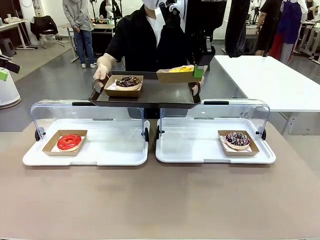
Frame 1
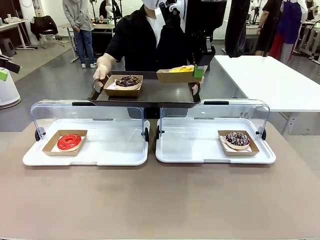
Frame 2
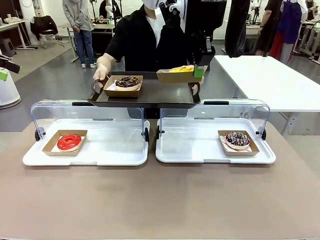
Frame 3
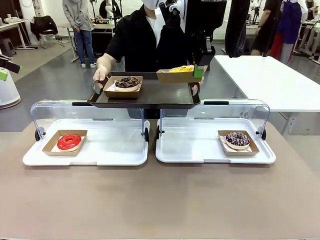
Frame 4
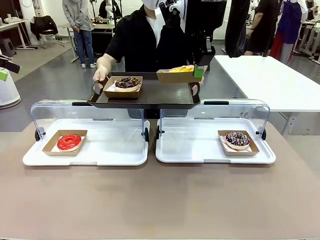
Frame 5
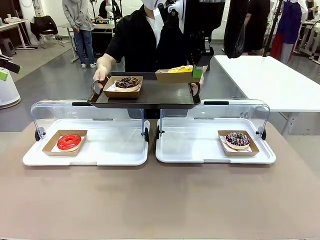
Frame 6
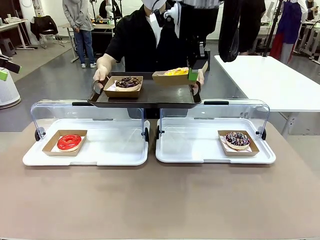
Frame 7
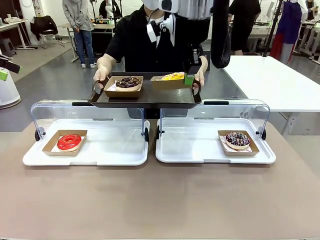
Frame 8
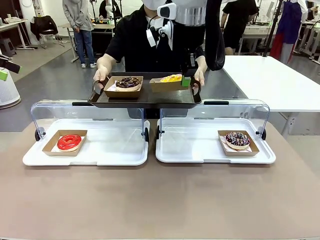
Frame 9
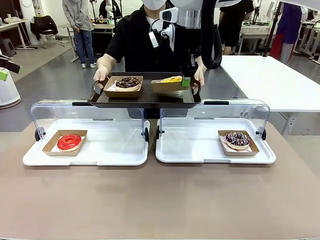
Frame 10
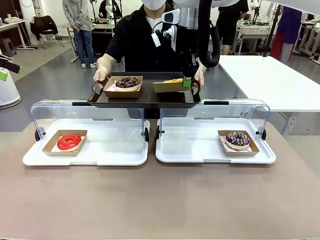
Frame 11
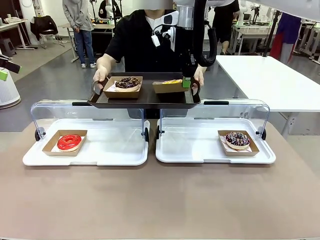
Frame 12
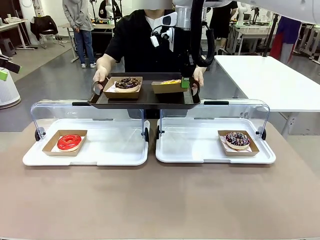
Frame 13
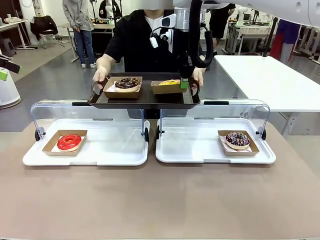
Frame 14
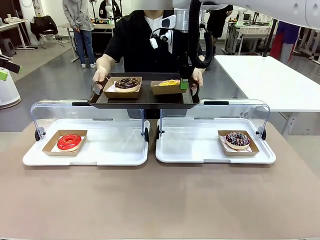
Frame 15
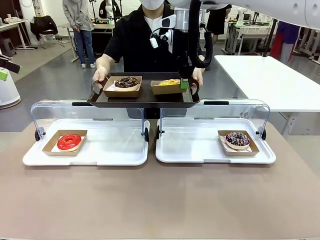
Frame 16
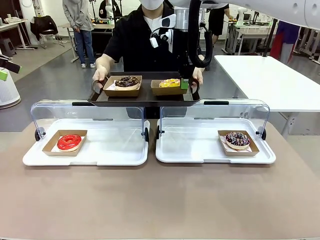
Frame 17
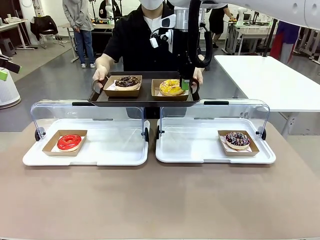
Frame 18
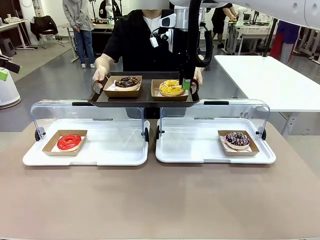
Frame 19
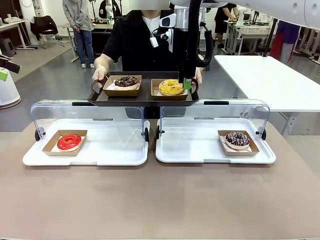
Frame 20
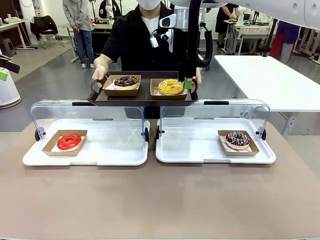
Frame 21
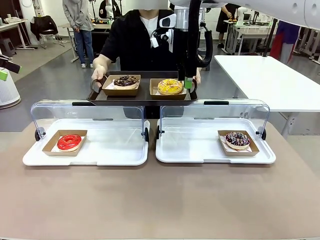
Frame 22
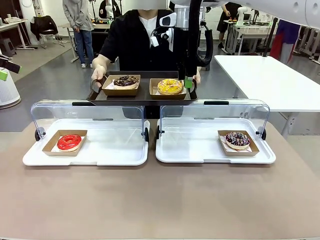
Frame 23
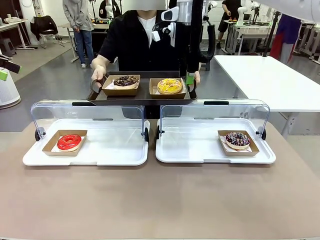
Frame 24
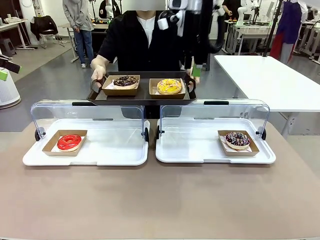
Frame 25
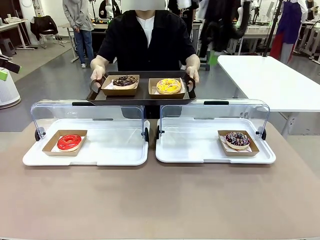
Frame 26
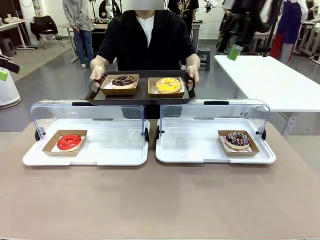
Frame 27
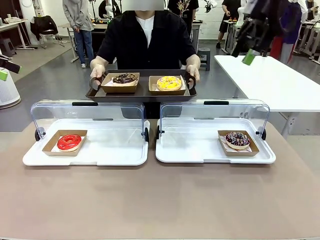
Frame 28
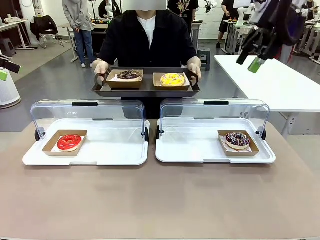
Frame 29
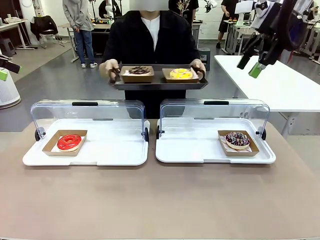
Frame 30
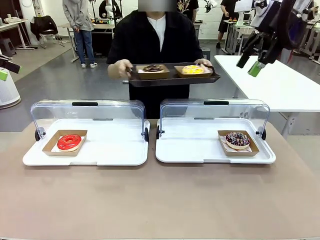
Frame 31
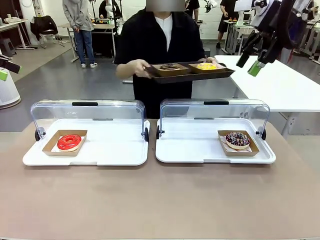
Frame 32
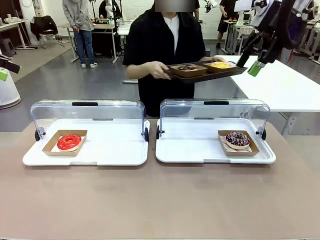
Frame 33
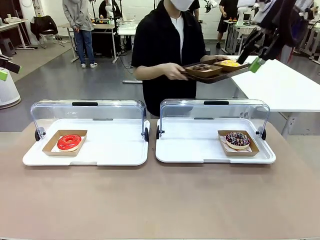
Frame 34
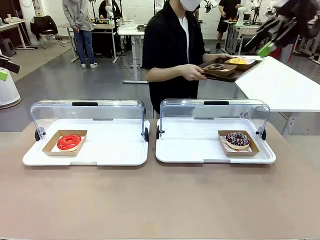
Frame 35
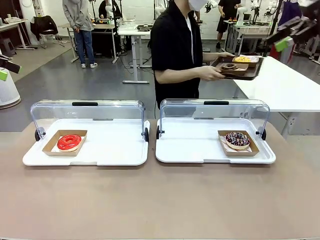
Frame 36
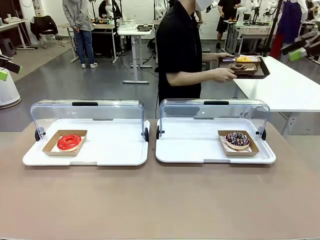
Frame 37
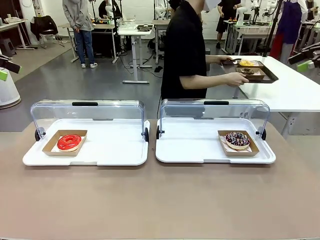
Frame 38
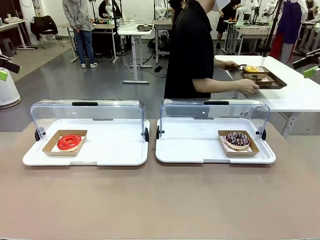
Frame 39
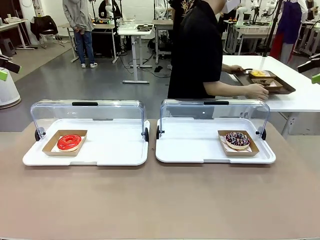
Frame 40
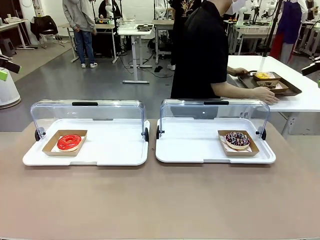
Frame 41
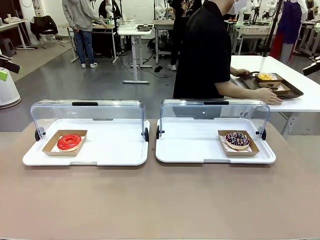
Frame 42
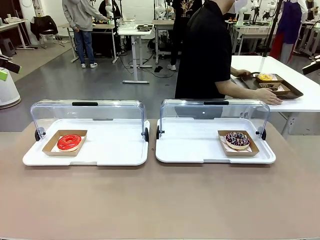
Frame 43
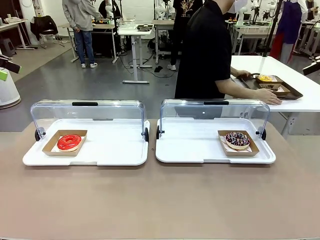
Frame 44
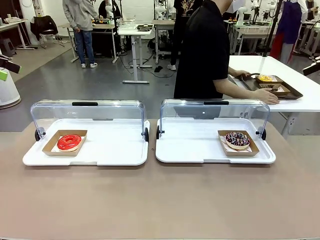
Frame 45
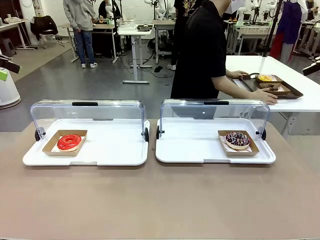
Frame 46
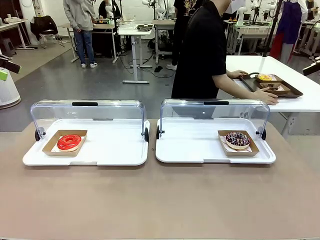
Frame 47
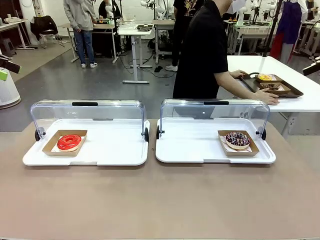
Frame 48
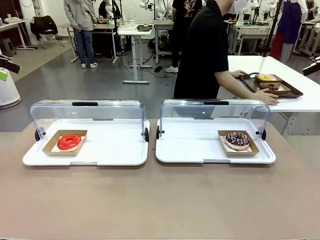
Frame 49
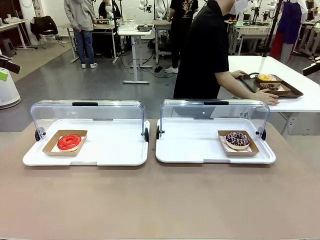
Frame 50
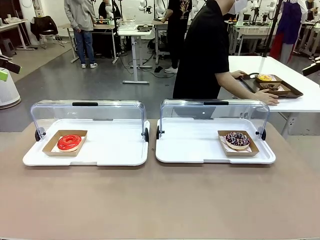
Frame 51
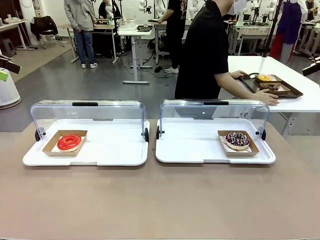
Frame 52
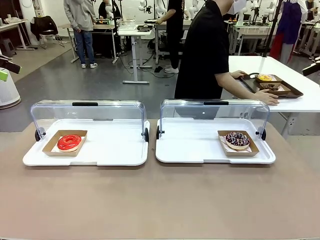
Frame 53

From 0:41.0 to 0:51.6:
Task: Provide the desired donut to the person.
Robot: Place the picked Paper togo box onto the Handle tray extended by the person.
Person: Place the tray in the middle of the human table.

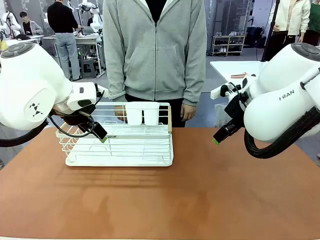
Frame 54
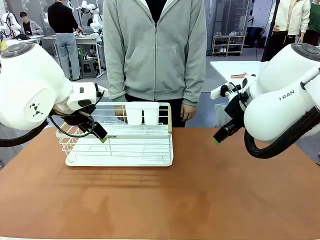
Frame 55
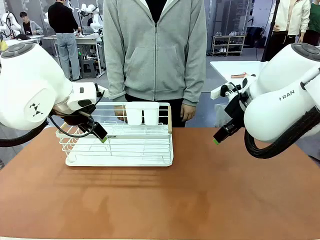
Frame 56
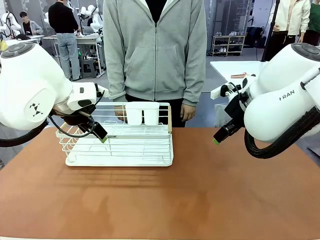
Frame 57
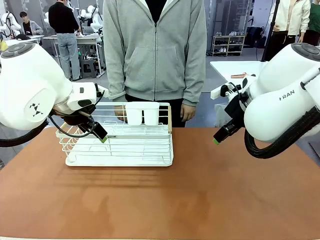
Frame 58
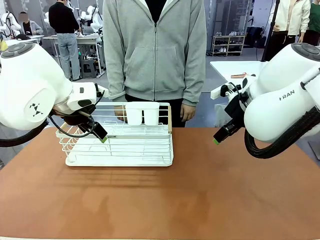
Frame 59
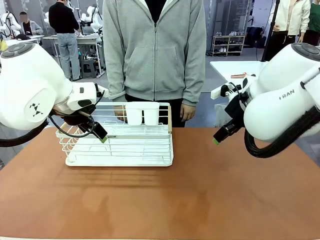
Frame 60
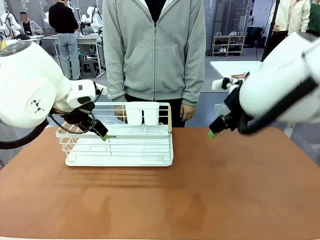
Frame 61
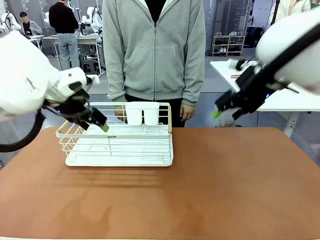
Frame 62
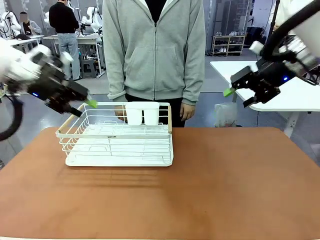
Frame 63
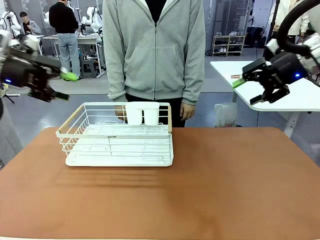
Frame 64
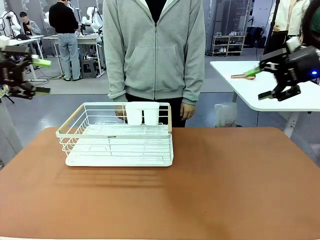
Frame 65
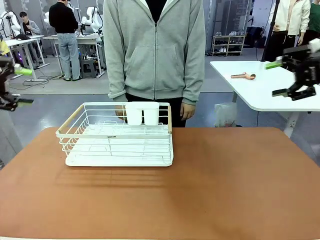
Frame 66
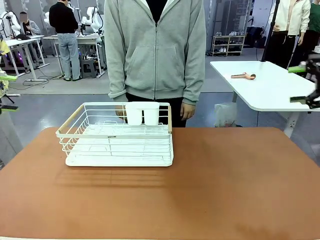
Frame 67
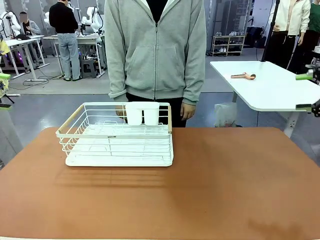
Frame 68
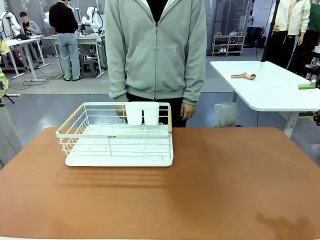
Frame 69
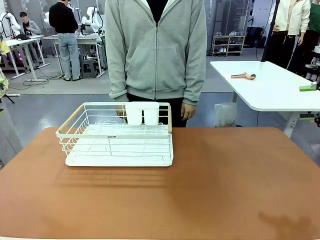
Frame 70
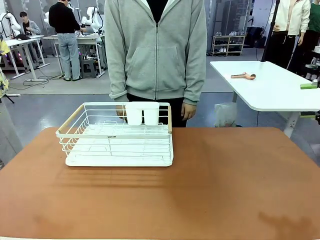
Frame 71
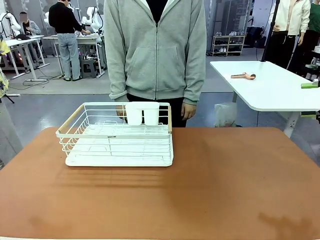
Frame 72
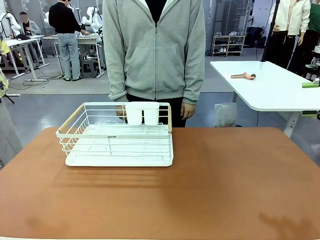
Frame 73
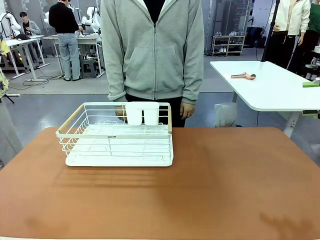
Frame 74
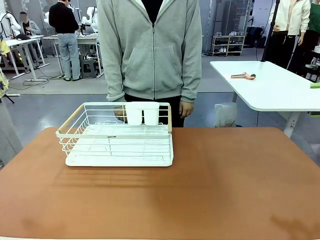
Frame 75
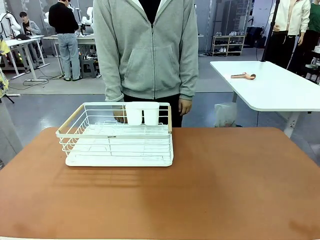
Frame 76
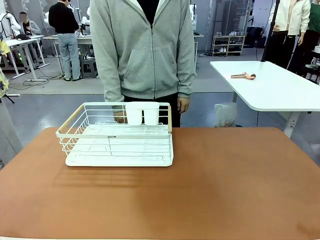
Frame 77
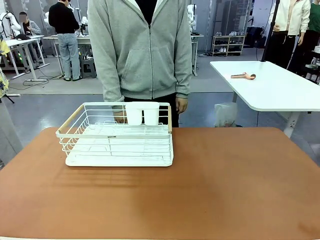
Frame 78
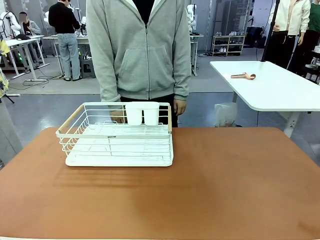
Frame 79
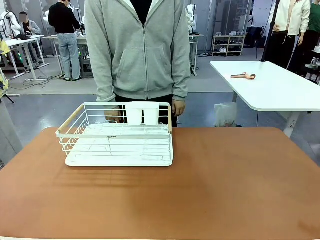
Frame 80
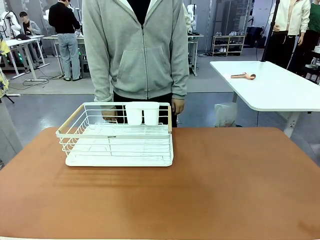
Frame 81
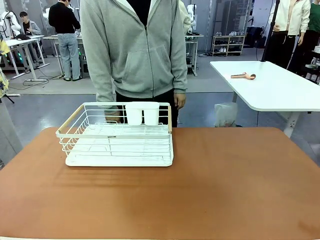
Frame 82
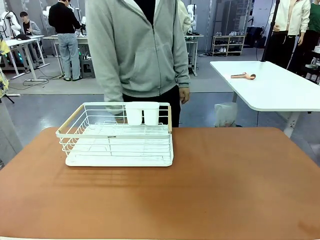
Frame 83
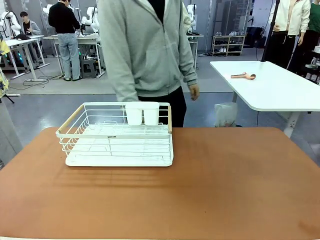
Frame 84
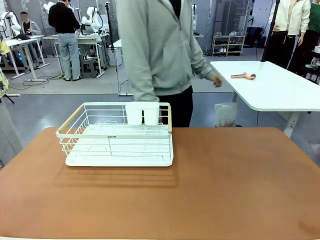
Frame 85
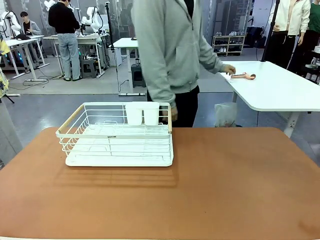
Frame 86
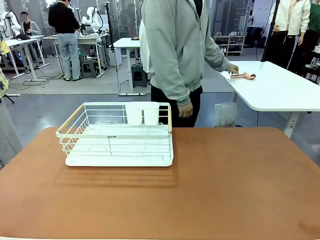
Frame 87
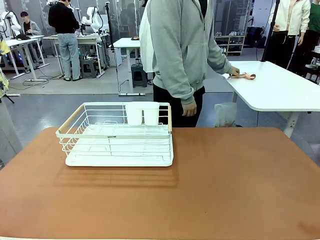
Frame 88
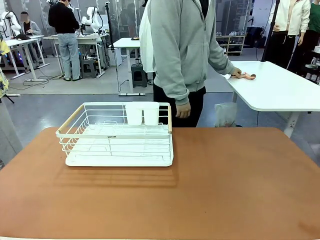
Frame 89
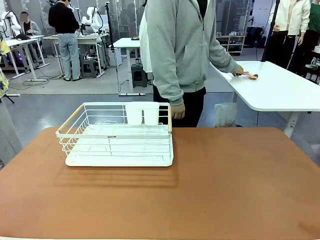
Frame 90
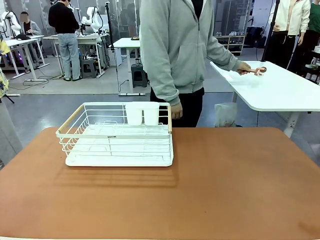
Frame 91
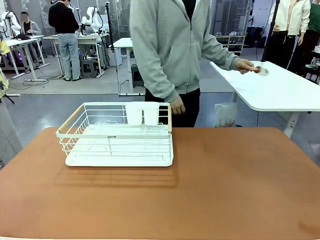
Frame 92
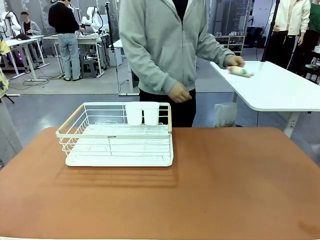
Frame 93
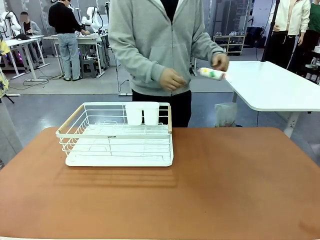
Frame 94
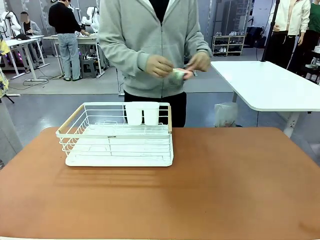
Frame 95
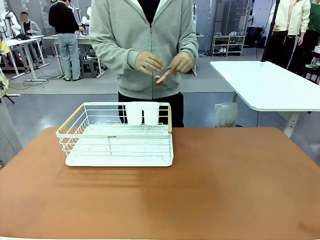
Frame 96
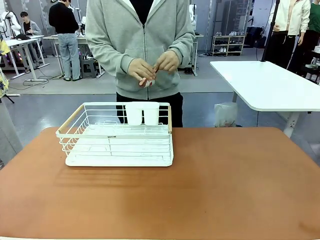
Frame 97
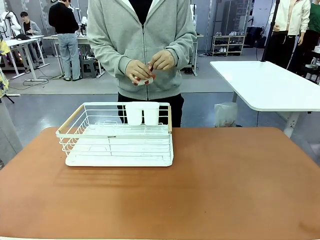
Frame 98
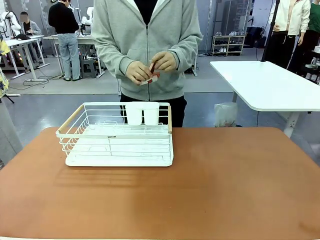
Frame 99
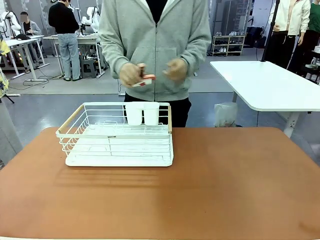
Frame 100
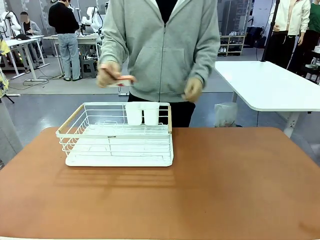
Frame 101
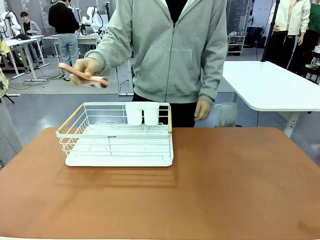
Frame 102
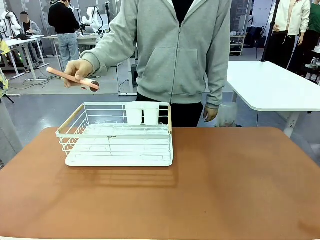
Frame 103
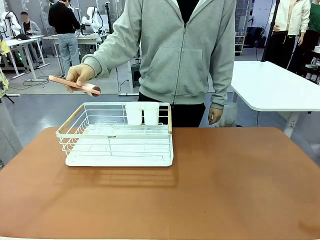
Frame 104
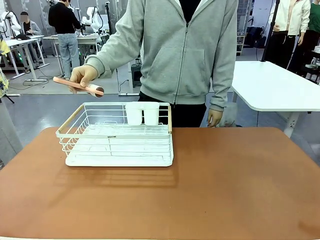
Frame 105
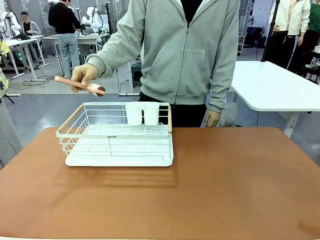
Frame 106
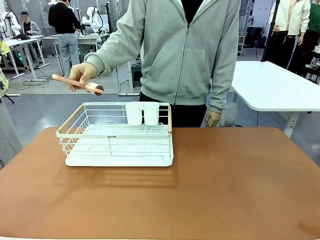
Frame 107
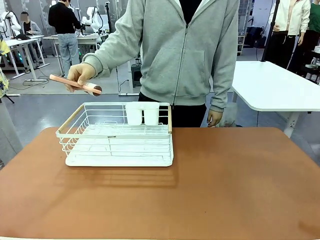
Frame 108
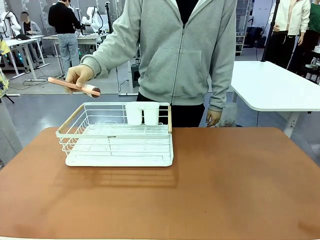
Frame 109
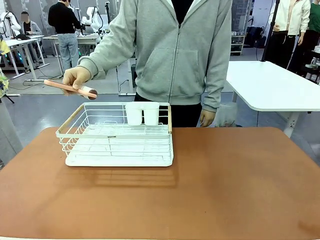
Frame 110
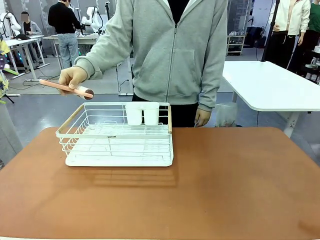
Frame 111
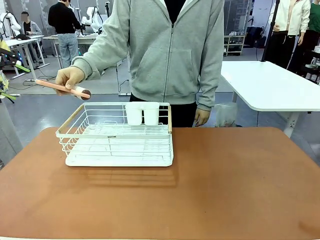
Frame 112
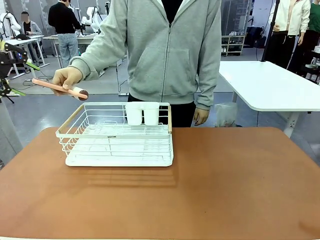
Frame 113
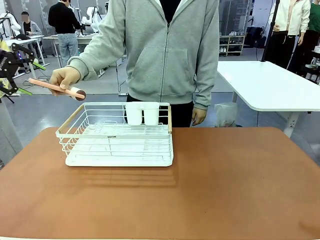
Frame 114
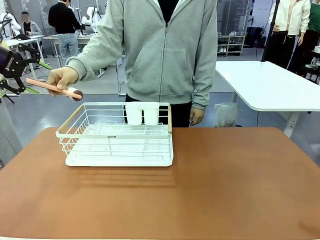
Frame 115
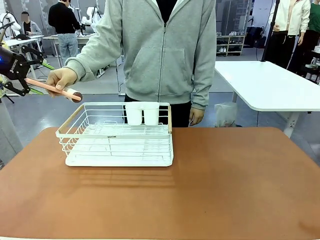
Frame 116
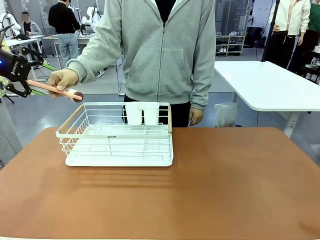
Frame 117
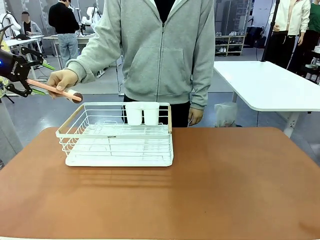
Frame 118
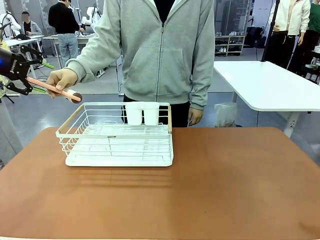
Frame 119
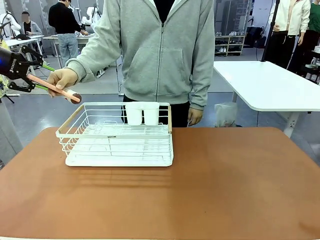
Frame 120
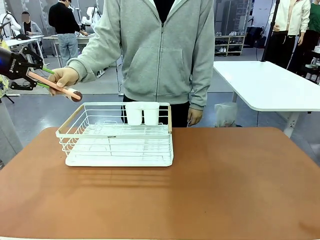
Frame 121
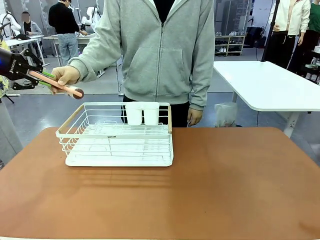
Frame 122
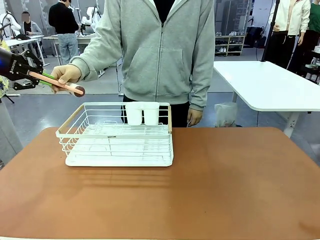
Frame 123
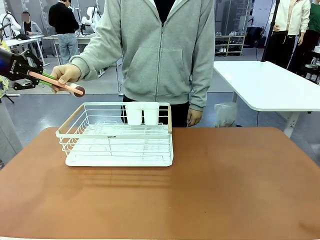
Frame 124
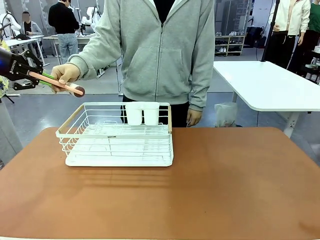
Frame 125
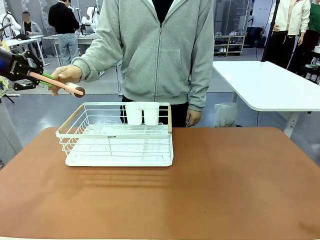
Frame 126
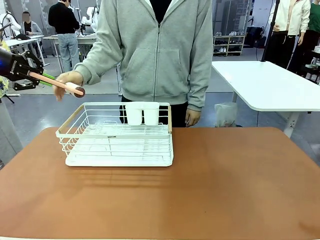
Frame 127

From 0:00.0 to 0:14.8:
Task: Clean the table.
Robot: Pick up the Lint Roller when the human hands it over.
Person: Hand the Lint Roller to the robot so it can easily pick it up. Lift the Dish drying rack.
